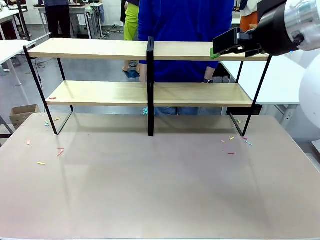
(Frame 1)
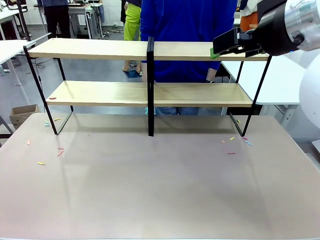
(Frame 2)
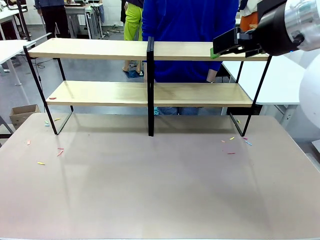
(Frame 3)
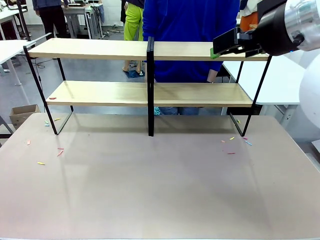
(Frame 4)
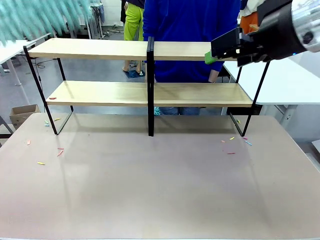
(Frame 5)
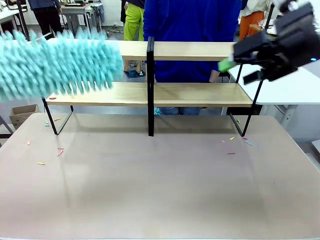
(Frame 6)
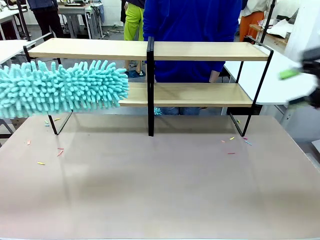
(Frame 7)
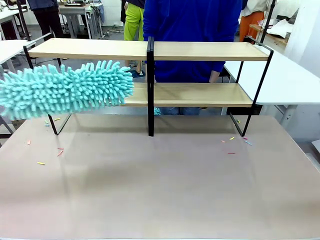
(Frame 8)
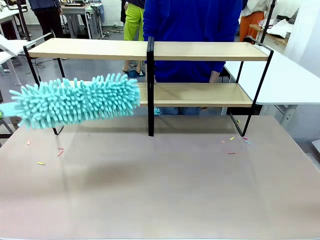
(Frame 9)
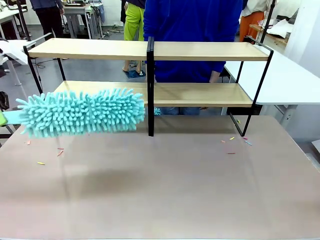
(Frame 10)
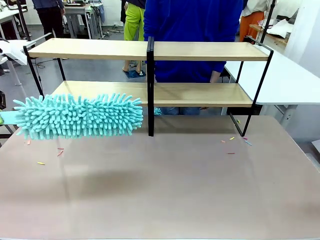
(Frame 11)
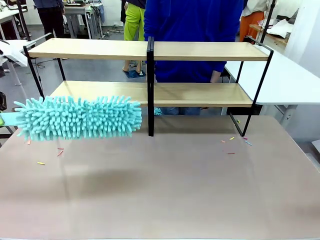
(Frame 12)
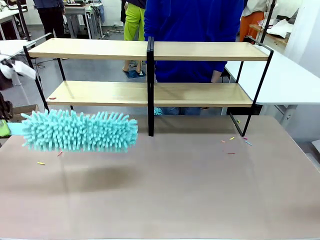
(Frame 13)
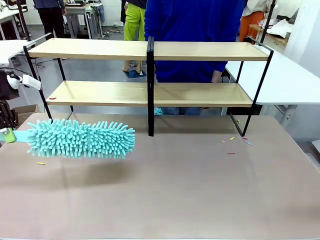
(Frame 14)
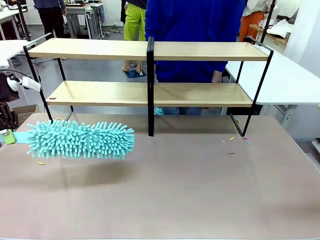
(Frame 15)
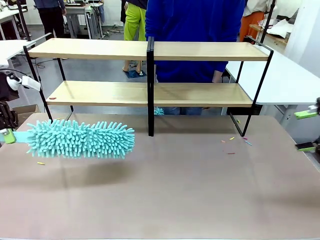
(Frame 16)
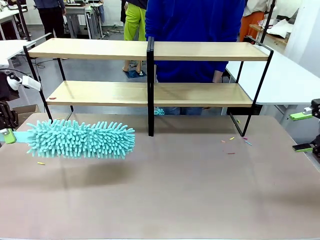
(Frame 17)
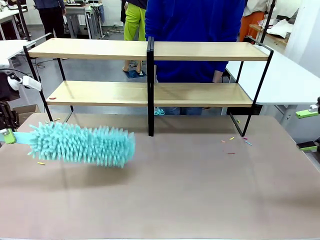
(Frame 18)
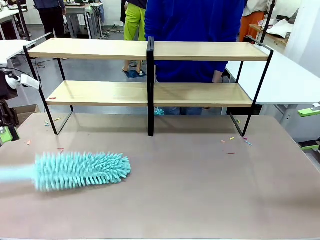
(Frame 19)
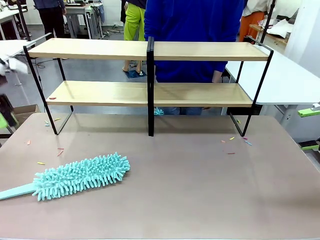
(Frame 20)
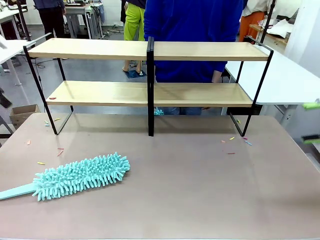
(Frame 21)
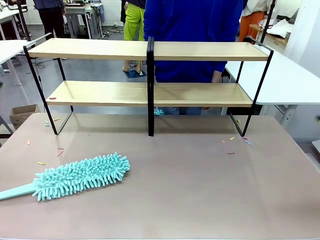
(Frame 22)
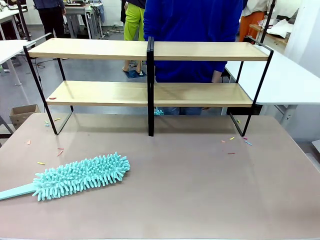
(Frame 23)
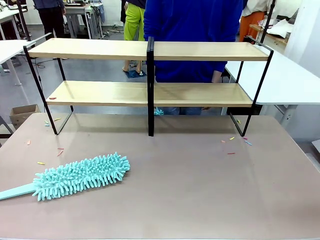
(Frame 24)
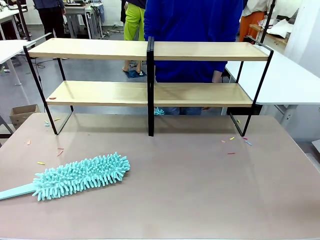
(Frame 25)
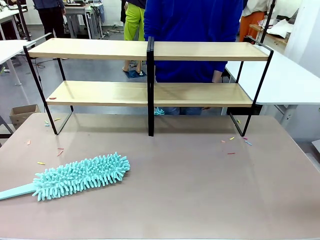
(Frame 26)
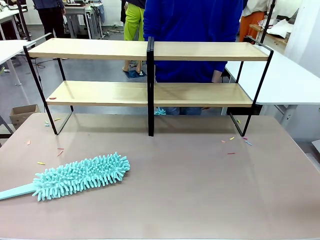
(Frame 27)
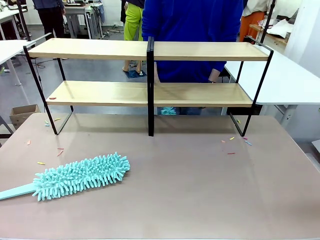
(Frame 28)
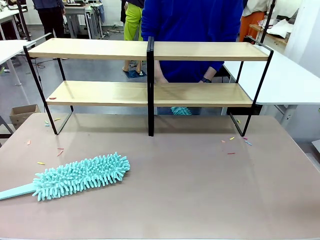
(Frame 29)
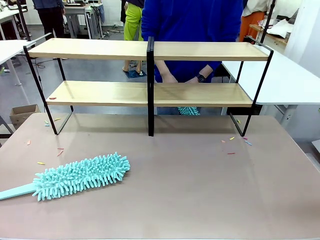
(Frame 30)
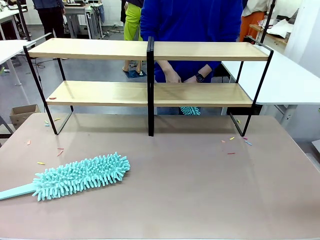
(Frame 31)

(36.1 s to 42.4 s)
Task: Clean the shelves.
Robot: Place the Duster on the table.

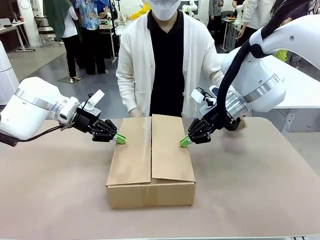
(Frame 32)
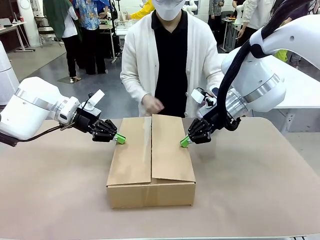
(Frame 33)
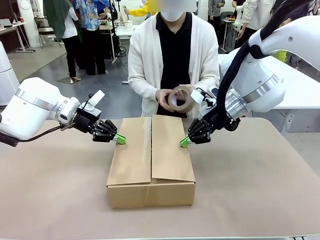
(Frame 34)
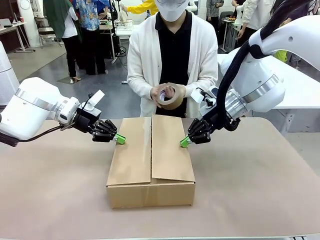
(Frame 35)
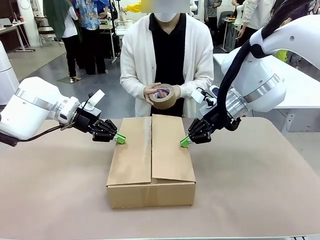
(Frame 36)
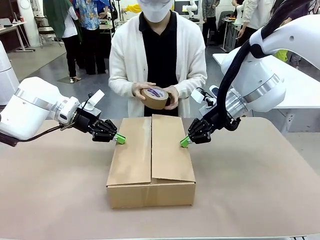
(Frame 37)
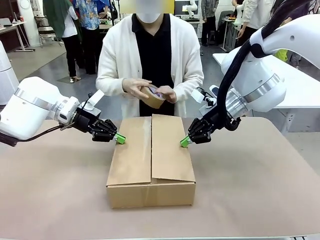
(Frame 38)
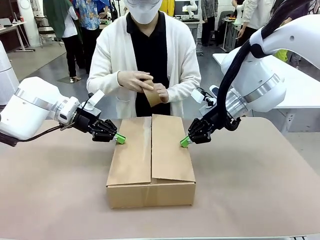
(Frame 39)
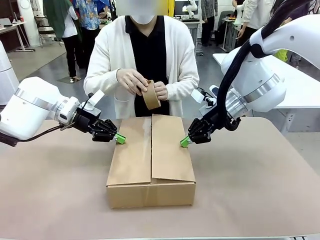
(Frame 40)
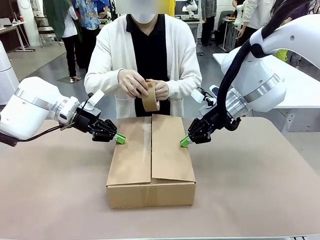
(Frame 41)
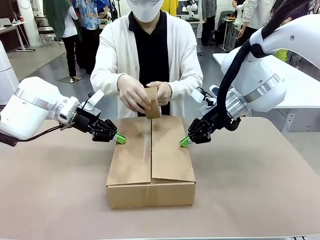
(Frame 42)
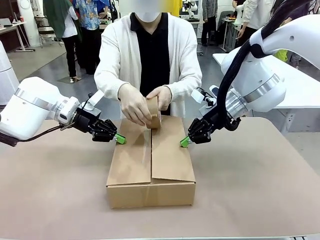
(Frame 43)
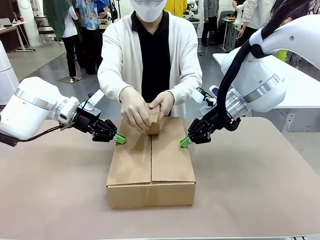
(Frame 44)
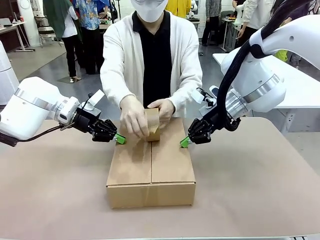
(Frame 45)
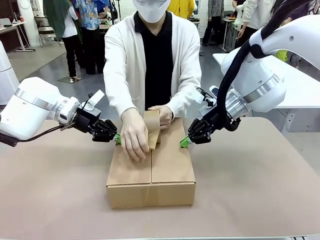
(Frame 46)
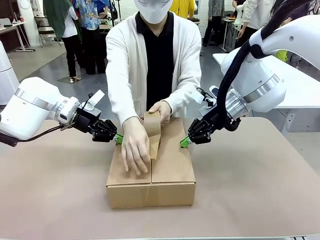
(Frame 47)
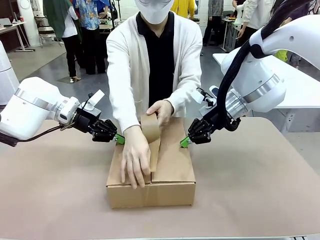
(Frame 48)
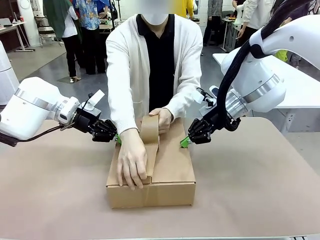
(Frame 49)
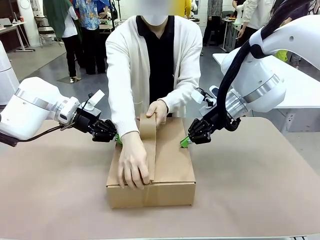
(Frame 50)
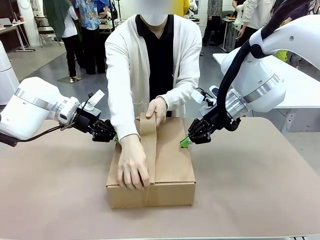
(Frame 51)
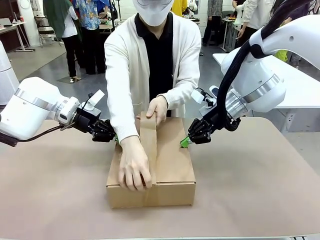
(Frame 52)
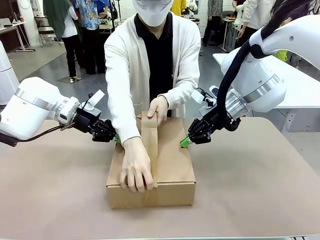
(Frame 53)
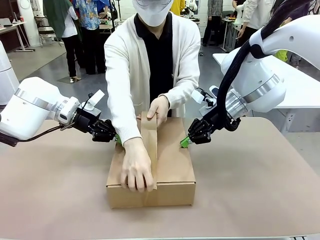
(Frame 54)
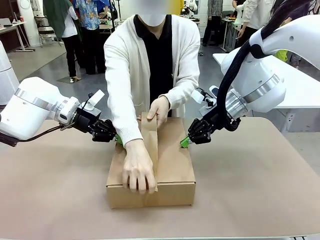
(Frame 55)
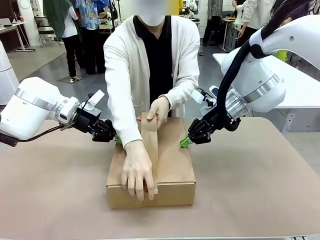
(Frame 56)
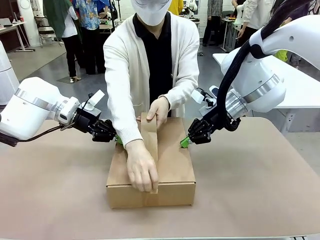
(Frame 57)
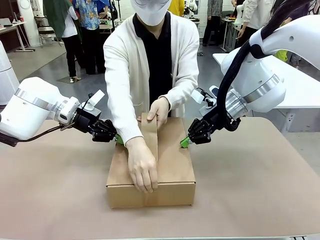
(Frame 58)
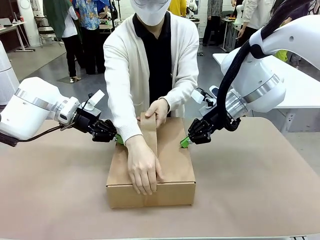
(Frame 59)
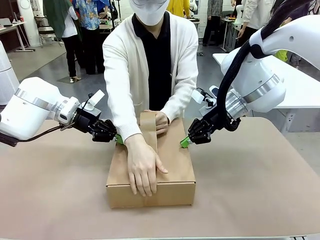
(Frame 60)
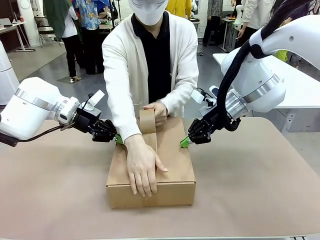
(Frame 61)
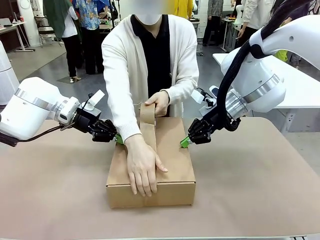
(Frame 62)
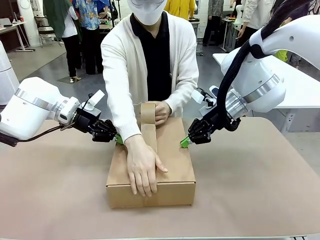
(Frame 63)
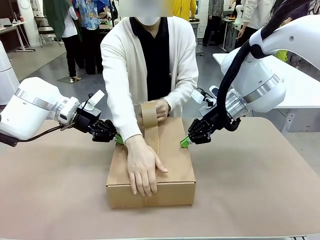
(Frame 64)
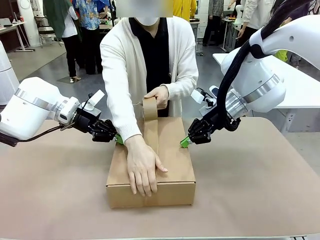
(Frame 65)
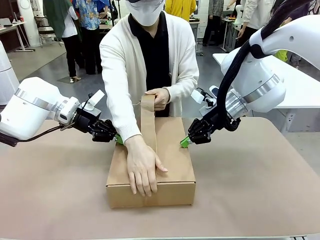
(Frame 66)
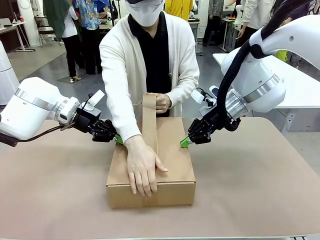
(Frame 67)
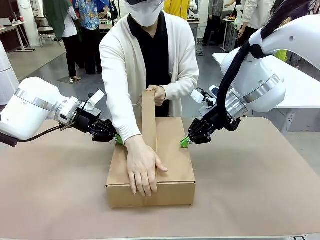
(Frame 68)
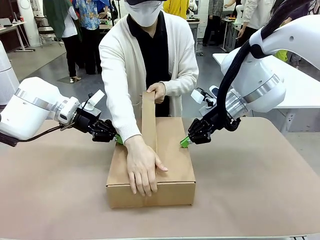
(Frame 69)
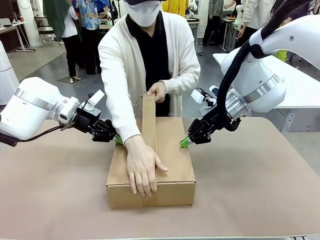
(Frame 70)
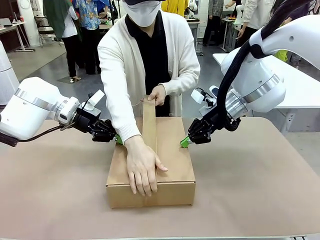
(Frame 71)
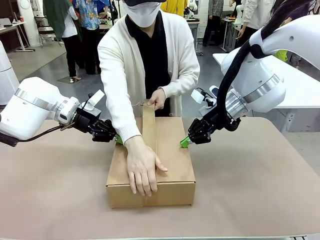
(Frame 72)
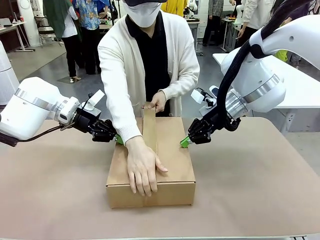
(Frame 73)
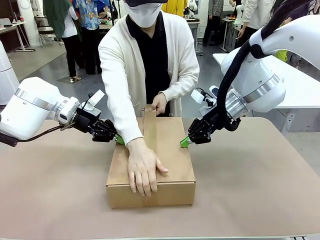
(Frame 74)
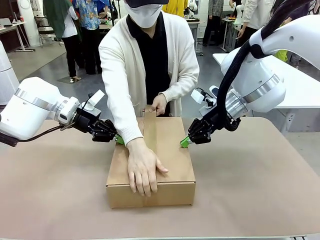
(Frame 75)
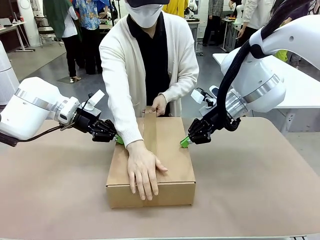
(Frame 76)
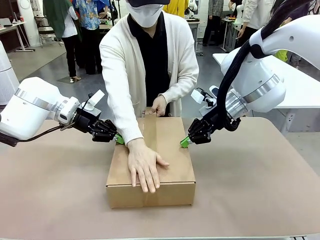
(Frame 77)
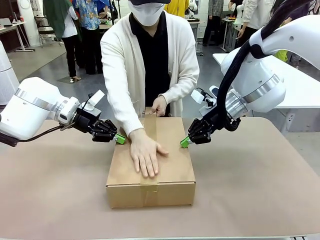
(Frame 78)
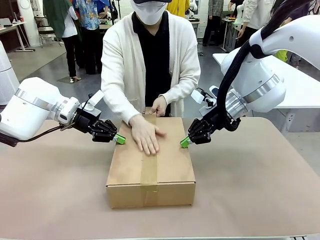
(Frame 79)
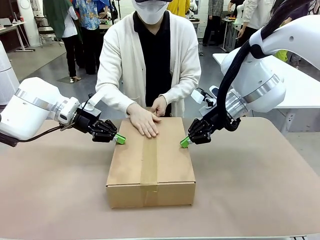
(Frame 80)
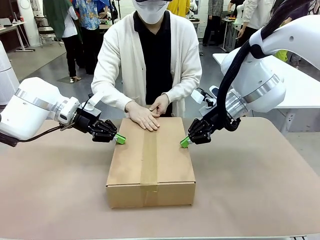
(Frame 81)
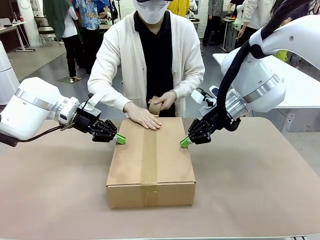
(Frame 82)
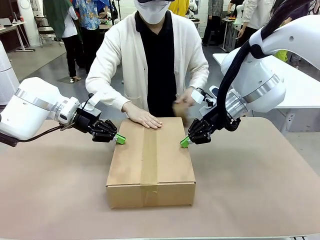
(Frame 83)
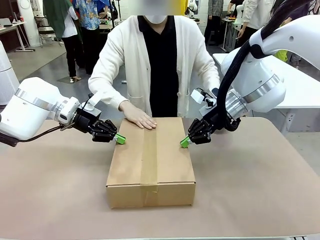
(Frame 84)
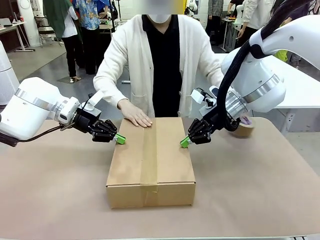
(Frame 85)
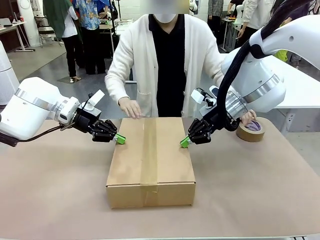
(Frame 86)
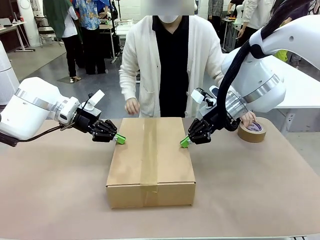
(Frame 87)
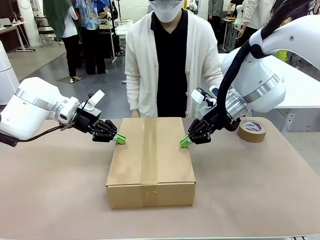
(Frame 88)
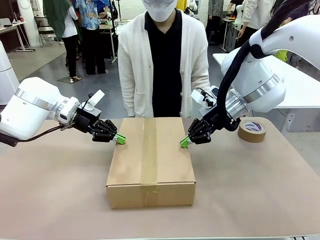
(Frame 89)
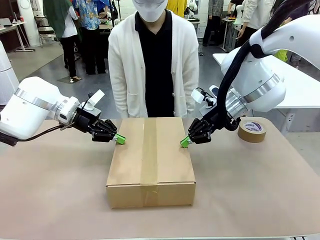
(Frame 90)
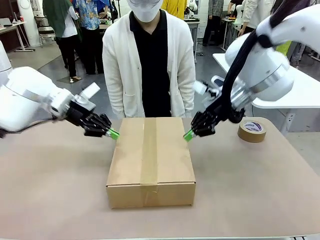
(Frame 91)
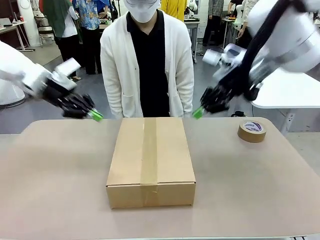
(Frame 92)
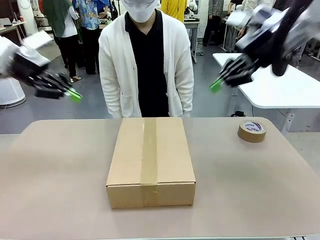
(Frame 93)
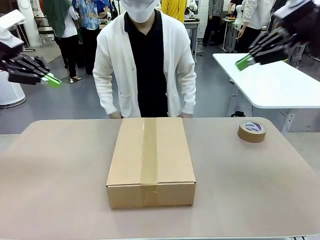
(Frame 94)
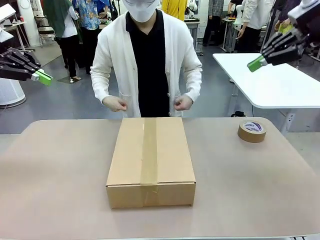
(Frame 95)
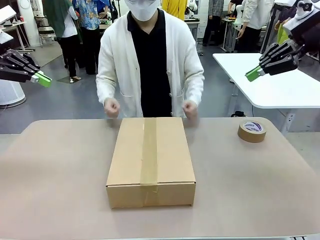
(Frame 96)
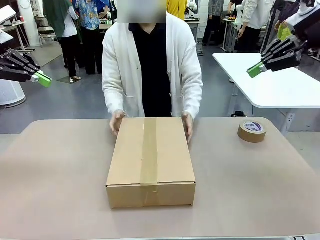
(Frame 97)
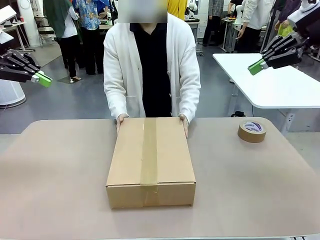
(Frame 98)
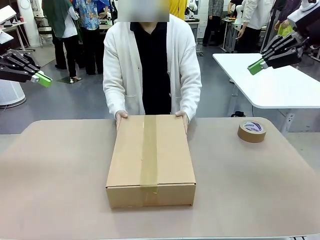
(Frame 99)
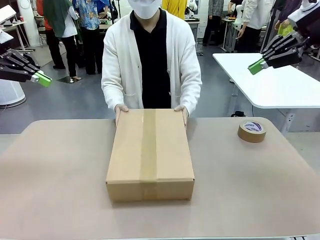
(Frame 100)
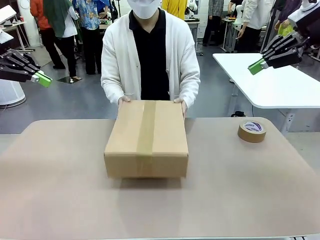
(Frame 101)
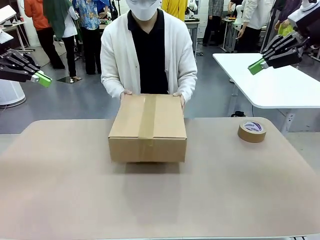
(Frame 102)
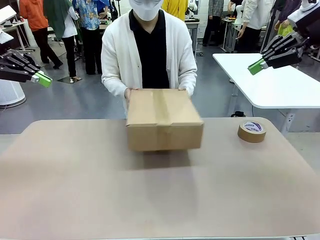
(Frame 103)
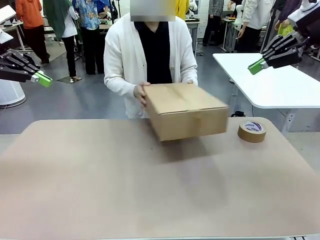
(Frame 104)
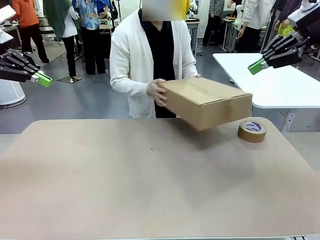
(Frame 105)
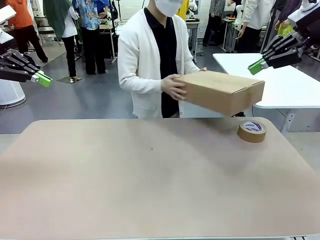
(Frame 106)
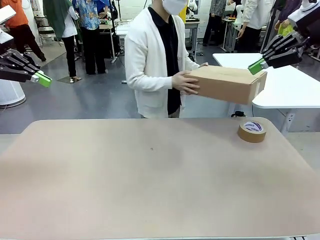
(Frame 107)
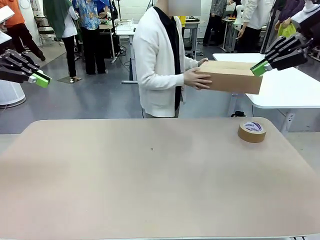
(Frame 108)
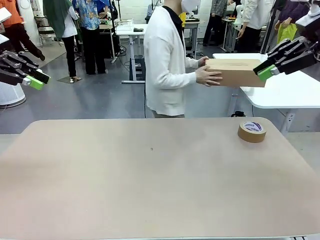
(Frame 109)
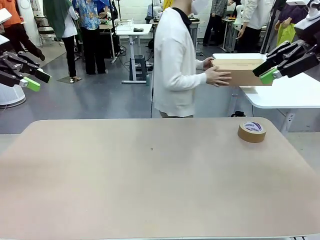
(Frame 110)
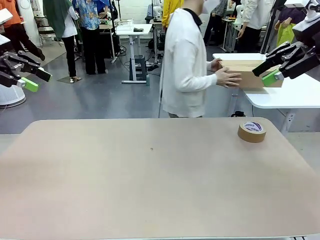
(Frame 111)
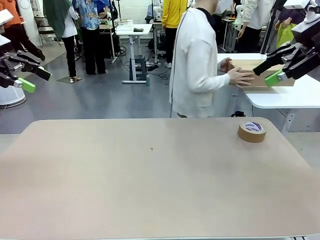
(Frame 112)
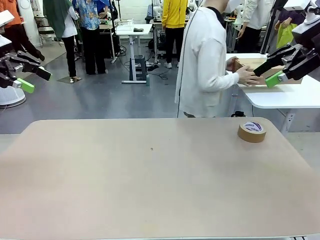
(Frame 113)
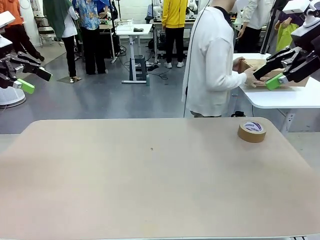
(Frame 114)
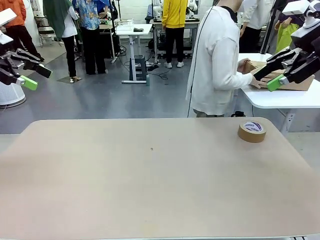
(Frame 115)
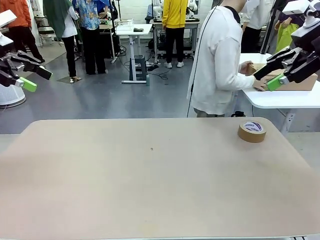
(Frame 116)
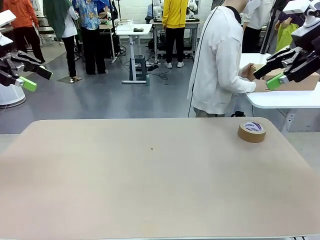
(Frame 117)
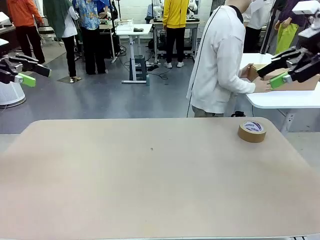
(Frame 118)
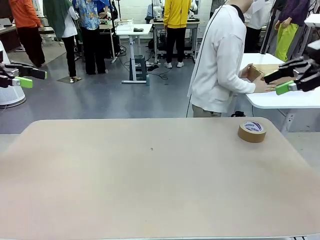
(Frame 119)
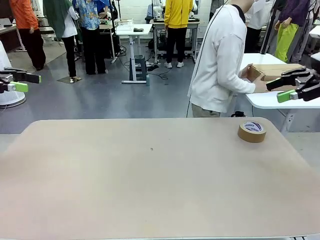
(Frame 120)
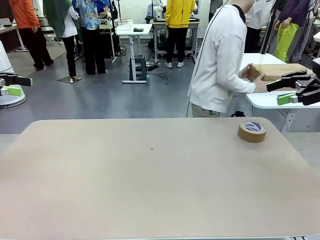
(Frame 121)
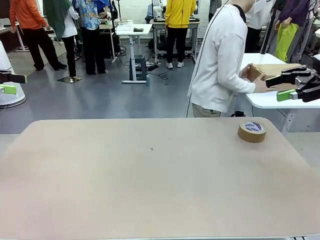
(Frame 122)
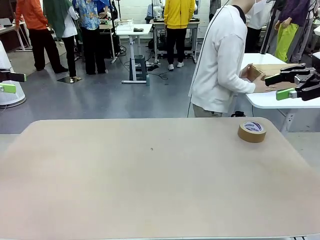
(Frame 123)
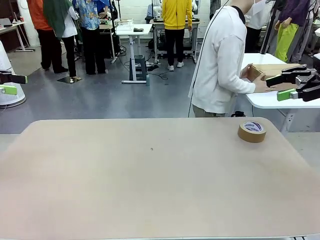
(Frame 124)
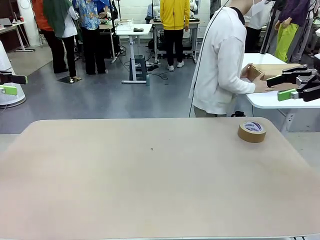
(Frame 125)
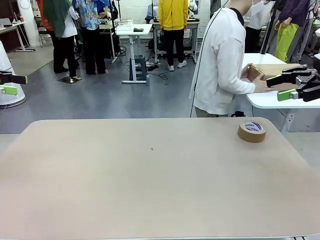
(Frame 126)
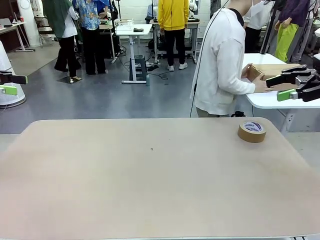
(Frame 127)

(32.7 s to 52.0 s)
Task: Wrap the clocks to prevent damage.
Robot: After the human seals the box with tape, release both hands from the side flaps of the Package Box.
Person: Once the robot closes the left flap of the Package Box , seal the box with Paper Tape. Place sealed Package Box in the middle of the human's table.
